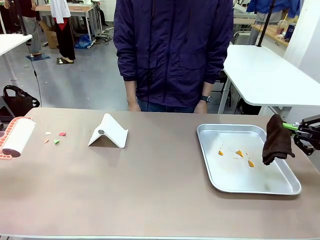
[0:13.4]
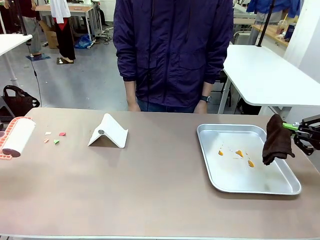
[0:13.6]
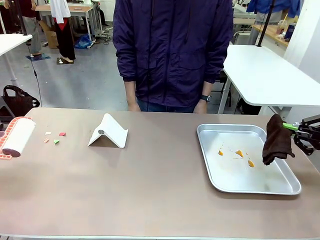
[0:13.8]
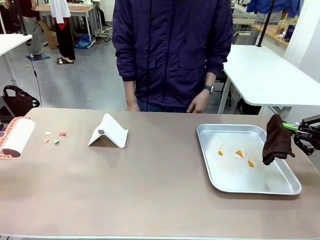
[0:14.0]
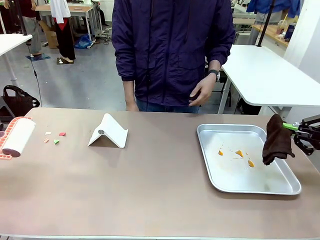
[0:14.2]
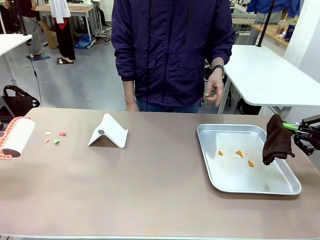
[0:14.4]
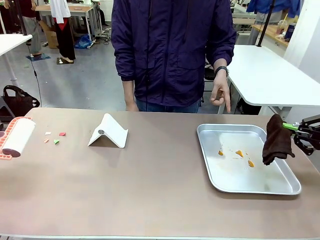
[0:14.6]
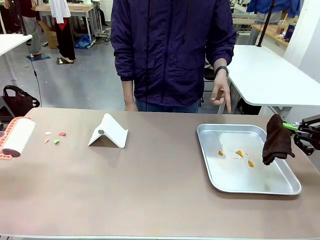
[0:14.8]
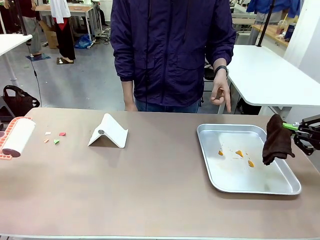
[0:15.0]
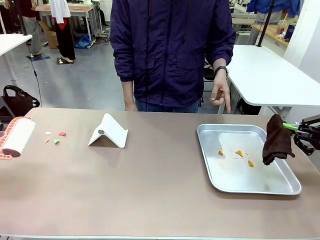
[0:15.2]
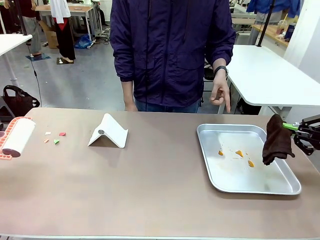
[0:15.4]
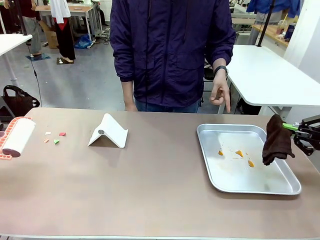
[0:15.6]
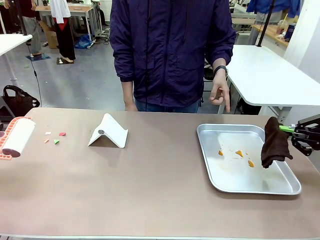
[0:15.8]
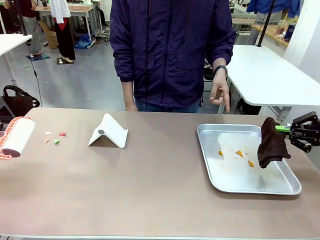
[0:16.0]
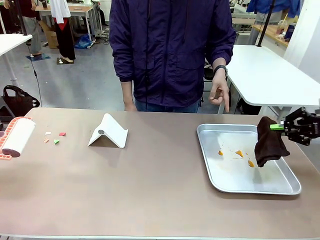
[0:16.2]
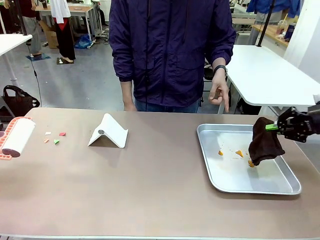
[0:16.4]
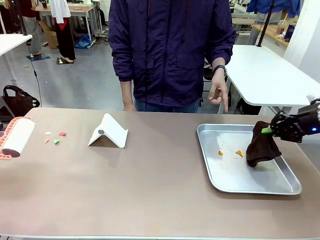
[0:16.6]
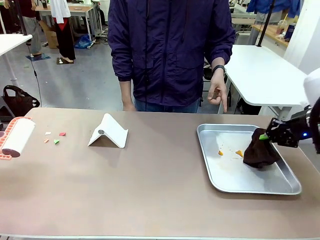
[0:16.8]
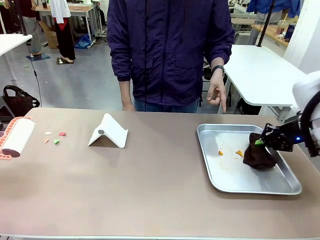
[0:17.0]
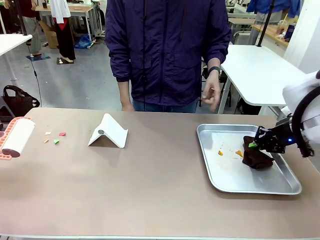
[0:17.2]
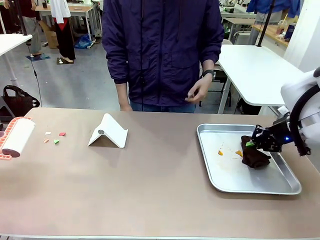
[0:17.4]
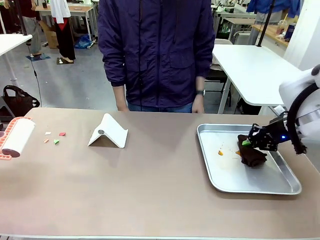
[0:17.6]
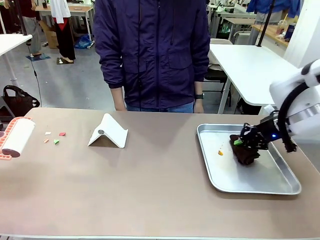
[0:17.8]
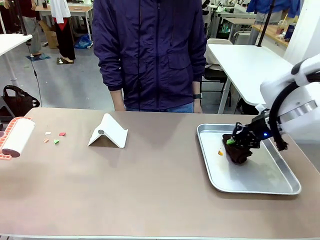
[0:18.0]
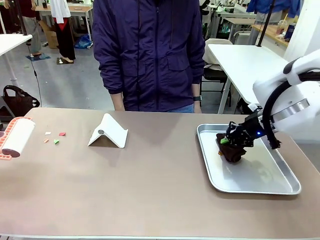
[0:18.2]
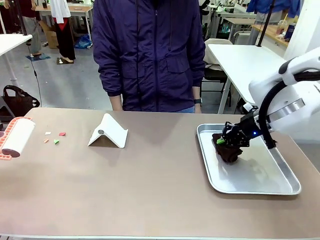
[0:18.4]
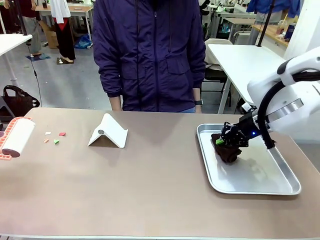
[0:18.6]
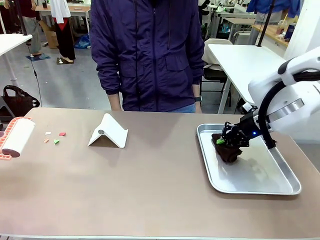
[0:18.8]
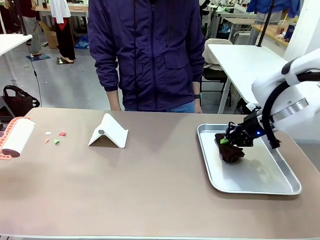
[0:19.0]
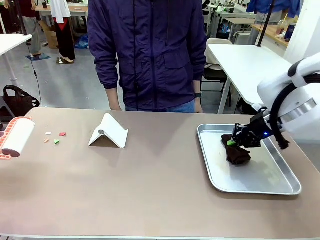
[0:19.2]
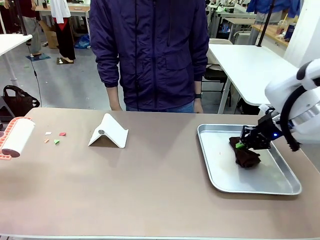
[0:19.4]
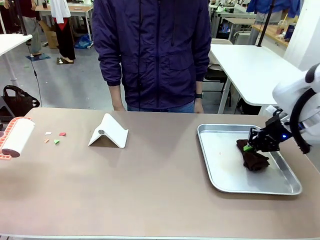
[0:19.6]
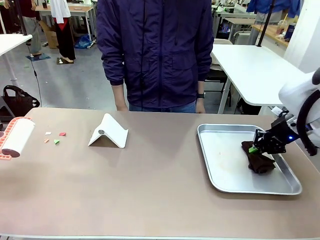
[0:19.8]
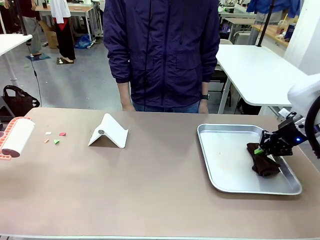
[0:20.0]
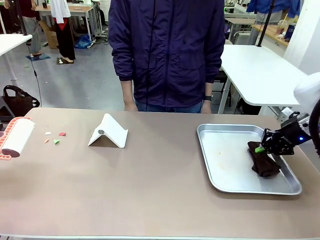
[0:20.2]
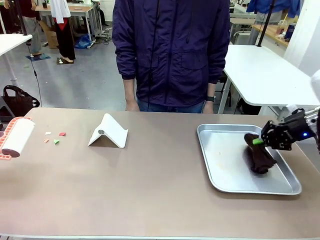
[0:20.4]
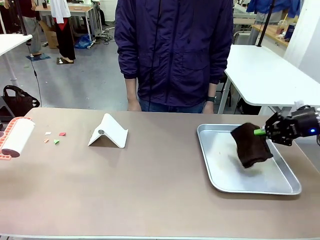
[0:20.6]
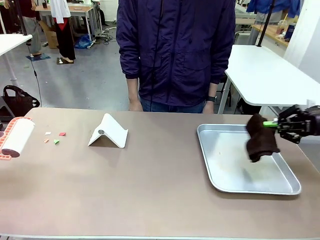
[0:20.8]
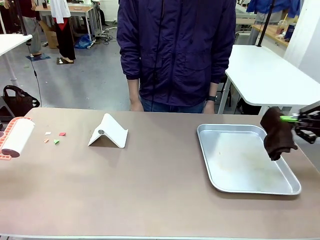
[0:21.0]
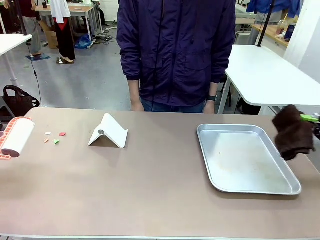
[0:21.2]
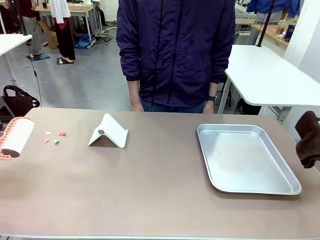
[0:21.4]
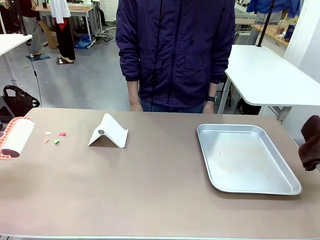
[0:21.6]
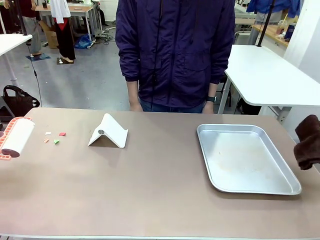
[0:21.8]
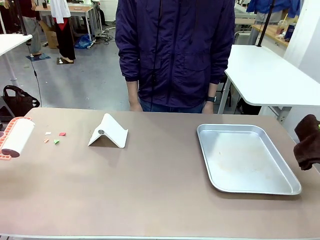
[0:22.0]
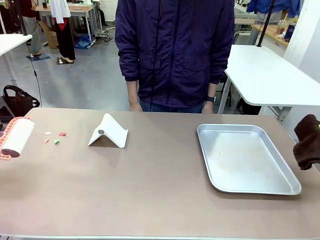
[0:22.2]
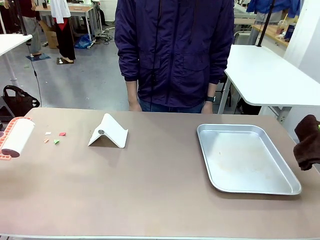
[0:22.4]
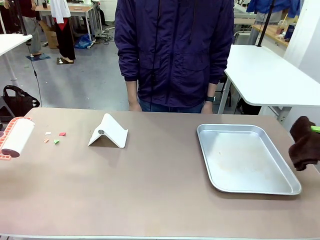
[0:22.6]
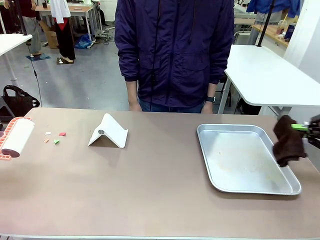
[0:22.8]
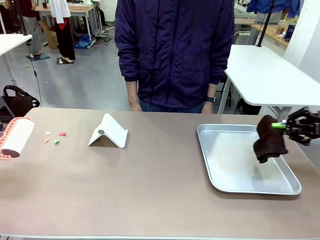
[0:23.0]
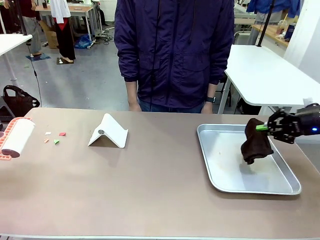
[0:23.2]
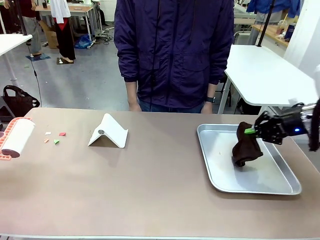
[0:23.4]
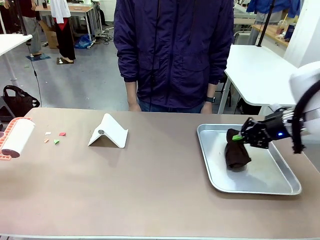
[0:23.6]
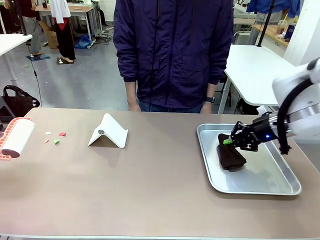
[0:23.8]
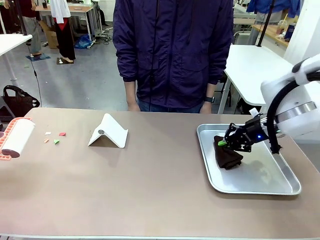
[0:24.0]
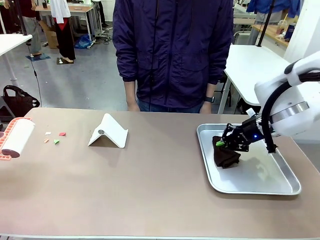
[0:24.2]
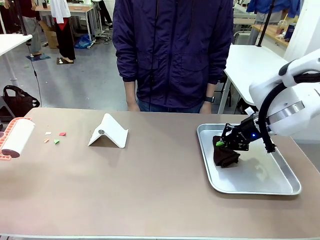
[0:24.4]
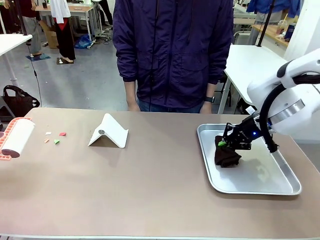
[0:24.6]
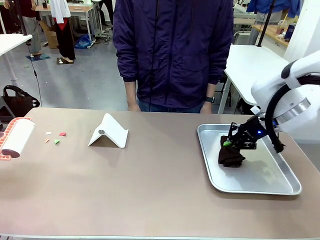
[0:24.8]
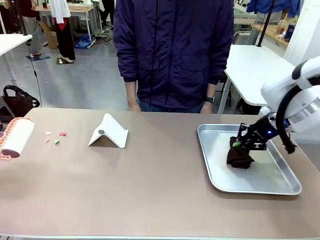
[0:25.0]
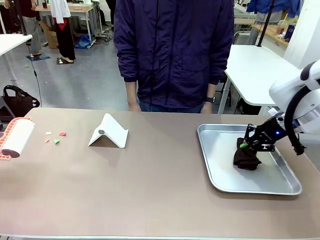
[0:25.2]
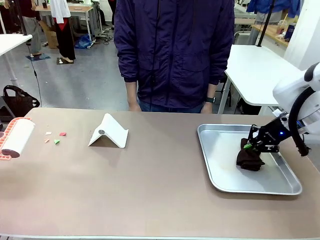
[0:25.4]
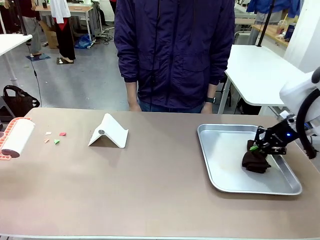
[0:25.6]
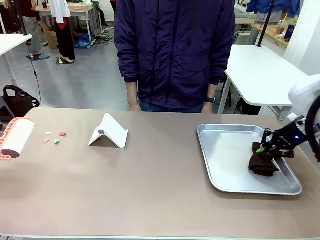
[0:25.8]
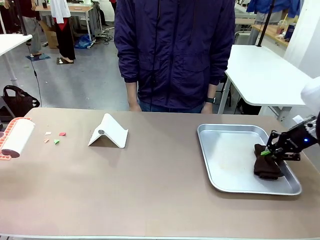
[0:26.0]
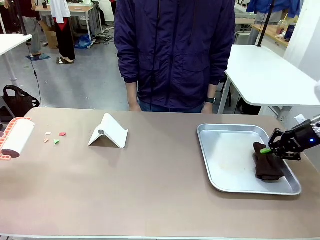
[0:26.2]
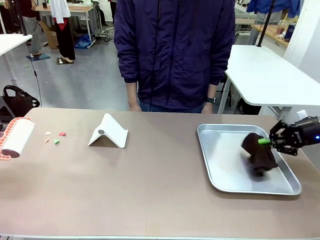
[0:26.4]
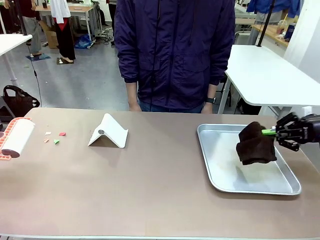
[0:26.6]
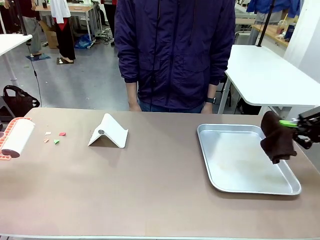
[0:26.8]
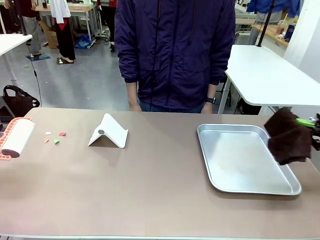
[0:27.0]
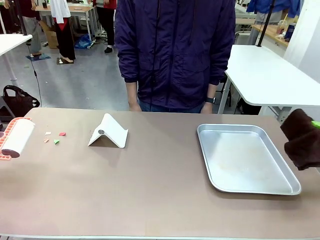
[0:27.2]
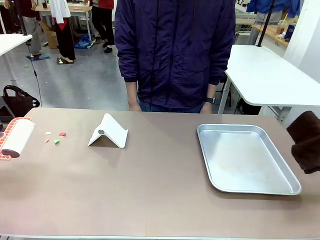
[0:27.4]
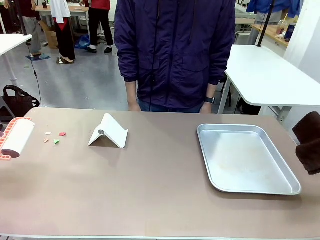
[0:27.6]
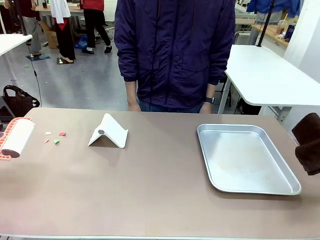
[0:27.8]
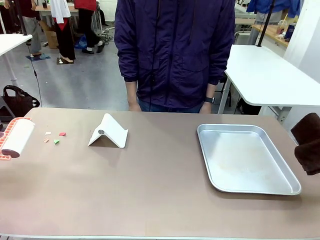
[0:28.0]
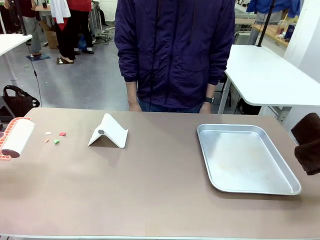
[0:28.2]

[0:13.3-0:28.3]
Task: Clean the surface of the table.
Robot: If a person points to the right, clean the right side of the table with your right hand, and if they point to the left, clean the left side with your left hand.

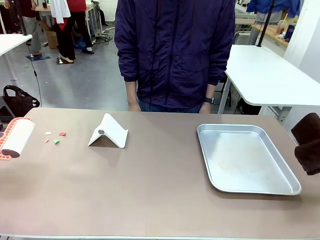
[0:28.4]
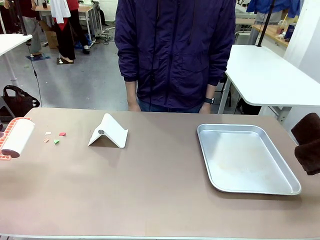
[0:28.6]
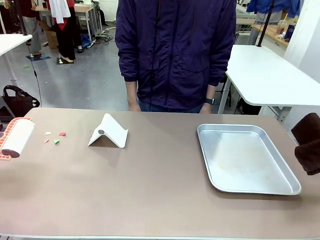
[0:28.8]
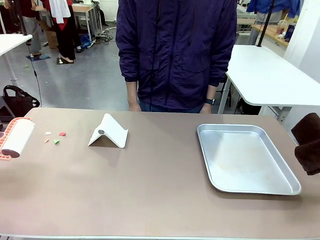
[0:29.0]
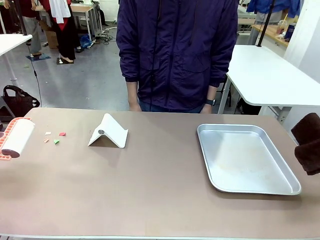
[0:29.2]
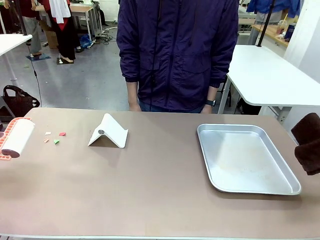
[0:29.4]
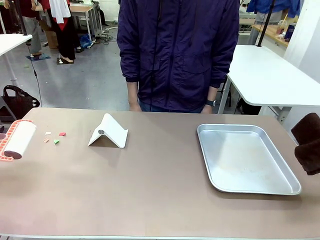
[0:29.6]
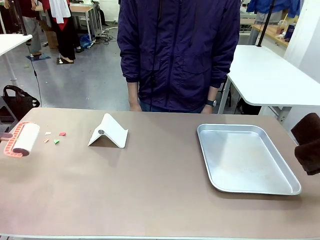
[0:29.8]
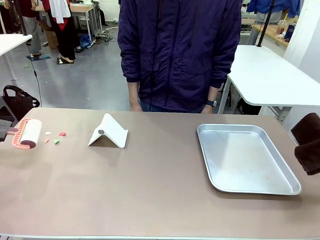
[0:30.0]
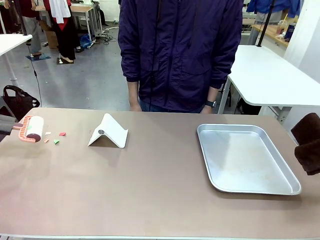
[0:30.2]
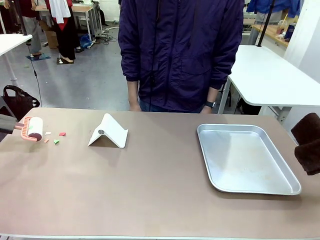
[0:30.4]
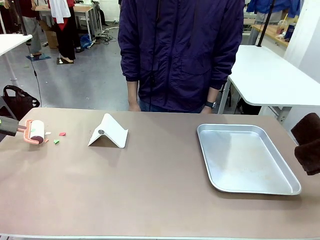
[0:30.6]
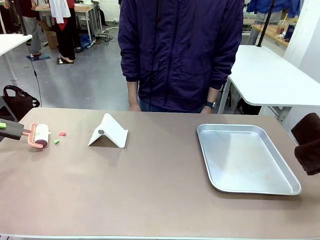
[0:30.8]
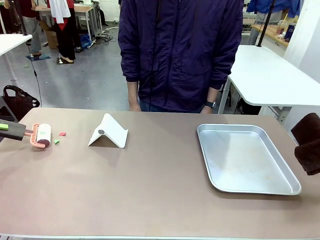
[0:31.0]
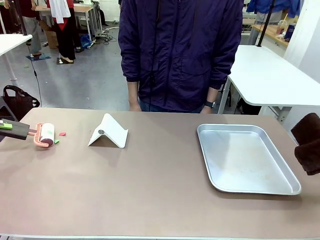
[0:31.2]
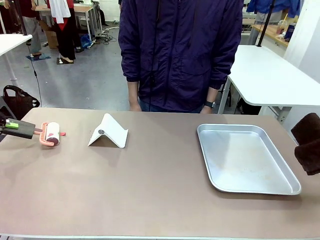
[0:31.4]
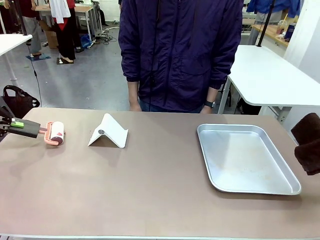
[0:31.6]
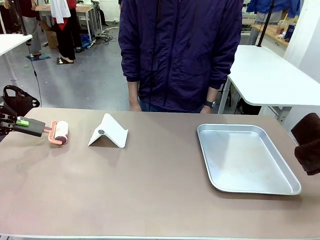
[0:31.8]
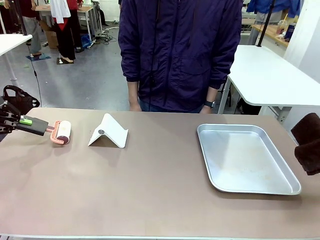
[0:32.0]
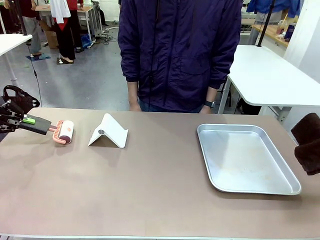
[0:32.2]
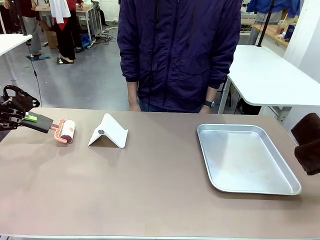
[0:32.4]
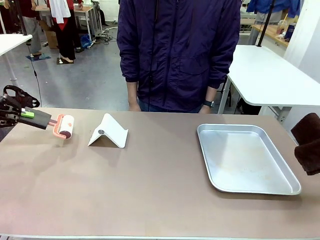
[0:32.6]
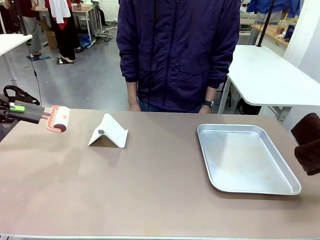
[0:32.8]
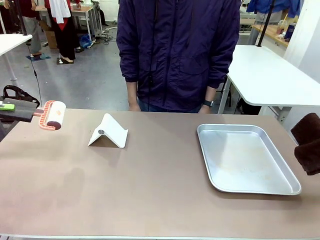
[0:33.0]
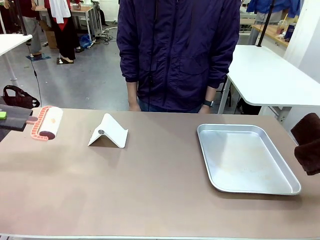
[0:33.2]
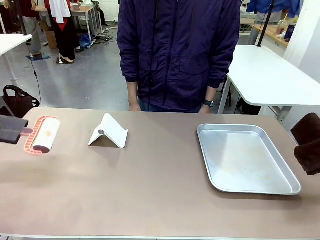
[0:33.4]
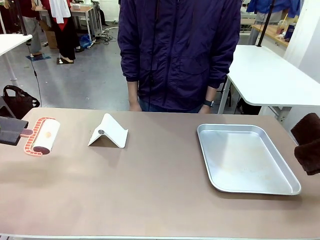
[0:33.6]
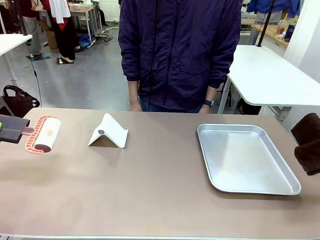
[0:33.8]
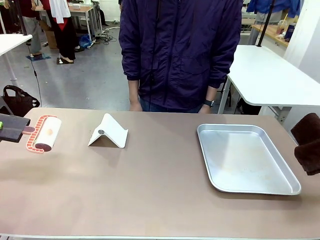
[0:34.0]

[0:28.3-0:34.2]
Robot: Clean the area not pointed to by the person.
